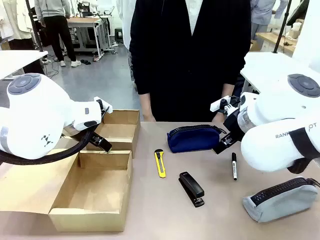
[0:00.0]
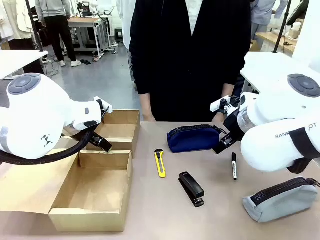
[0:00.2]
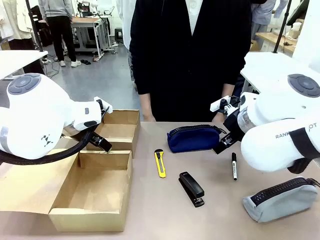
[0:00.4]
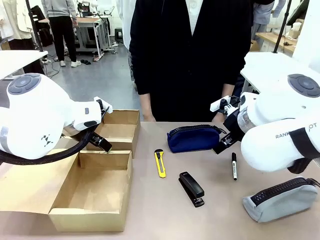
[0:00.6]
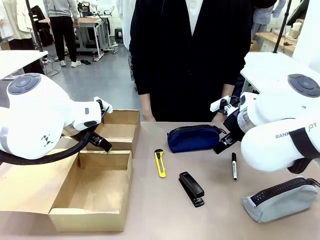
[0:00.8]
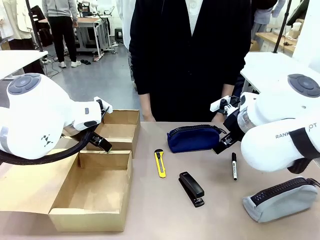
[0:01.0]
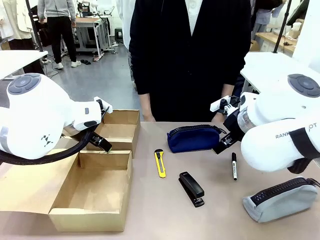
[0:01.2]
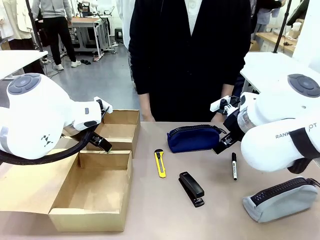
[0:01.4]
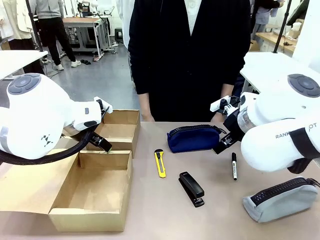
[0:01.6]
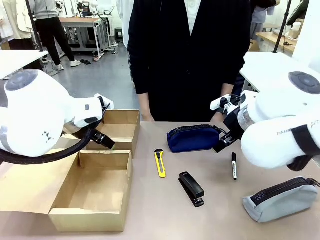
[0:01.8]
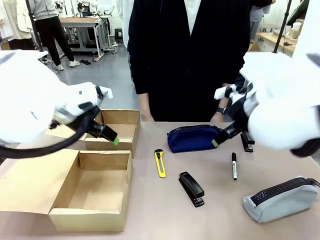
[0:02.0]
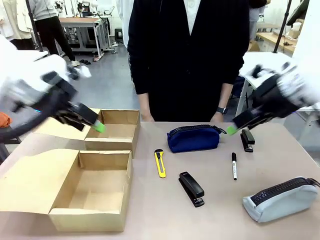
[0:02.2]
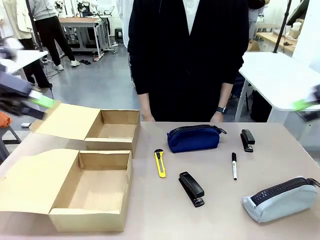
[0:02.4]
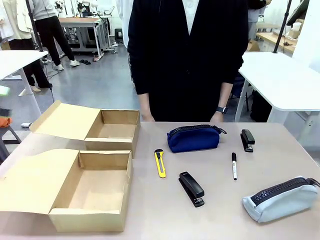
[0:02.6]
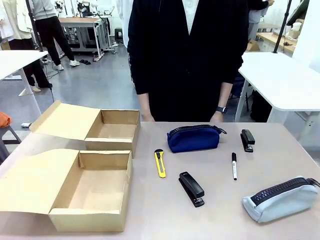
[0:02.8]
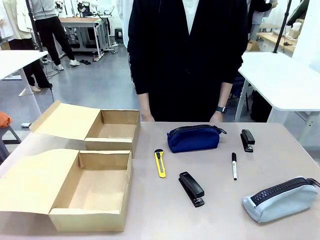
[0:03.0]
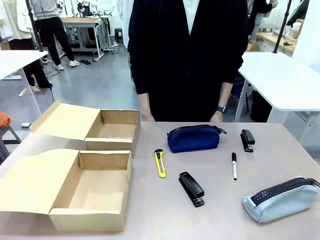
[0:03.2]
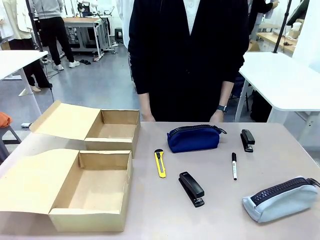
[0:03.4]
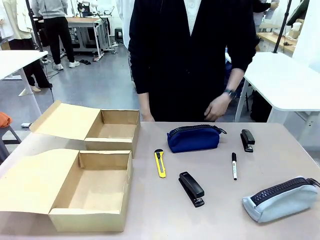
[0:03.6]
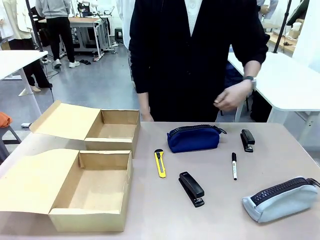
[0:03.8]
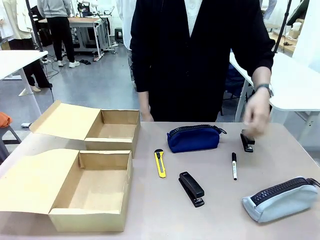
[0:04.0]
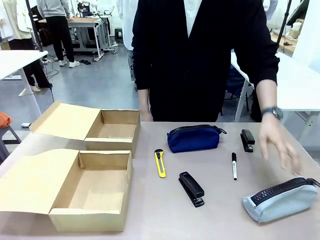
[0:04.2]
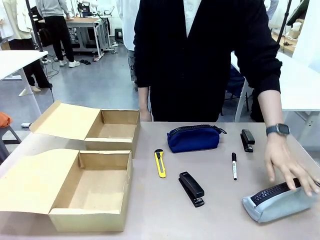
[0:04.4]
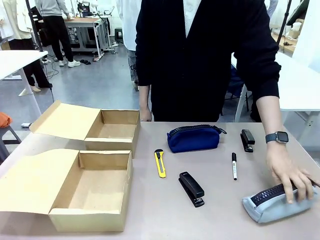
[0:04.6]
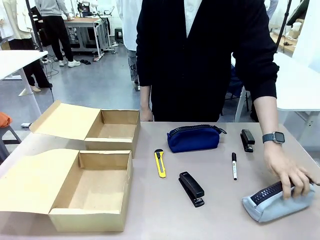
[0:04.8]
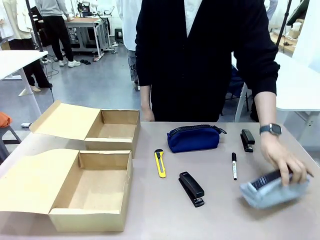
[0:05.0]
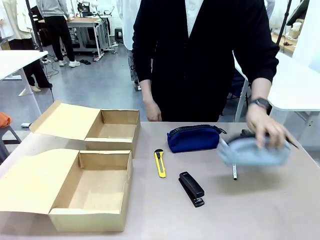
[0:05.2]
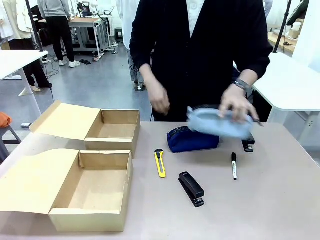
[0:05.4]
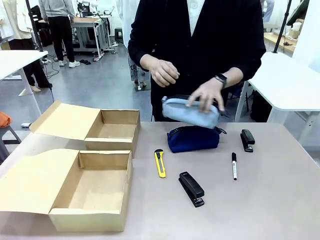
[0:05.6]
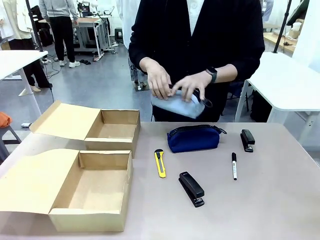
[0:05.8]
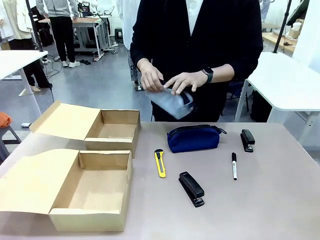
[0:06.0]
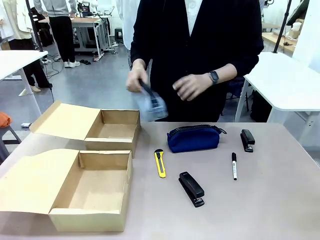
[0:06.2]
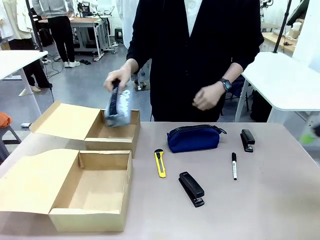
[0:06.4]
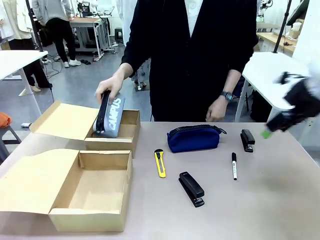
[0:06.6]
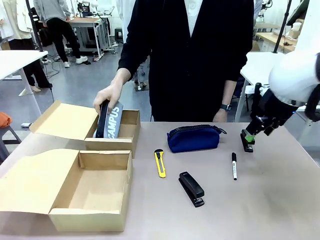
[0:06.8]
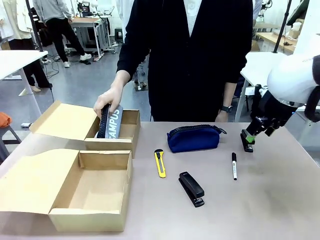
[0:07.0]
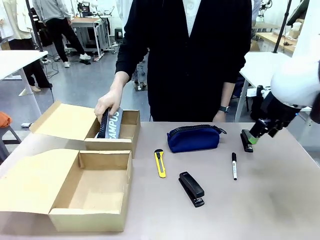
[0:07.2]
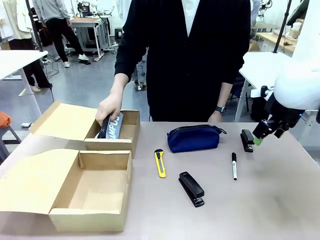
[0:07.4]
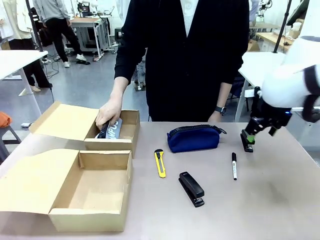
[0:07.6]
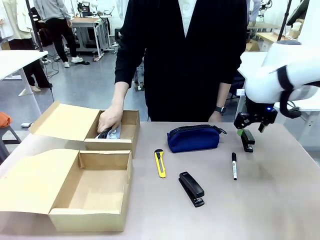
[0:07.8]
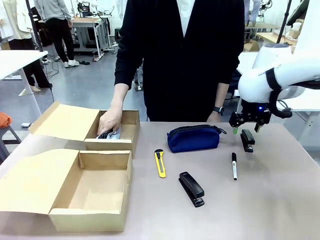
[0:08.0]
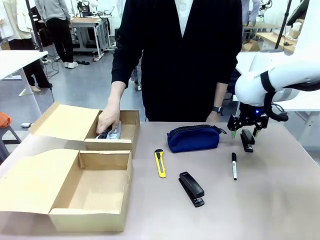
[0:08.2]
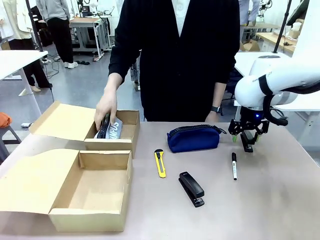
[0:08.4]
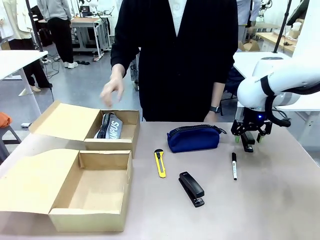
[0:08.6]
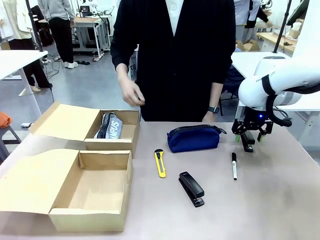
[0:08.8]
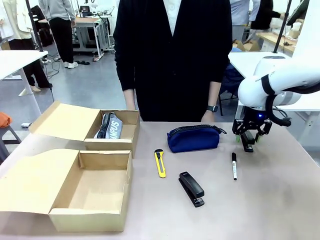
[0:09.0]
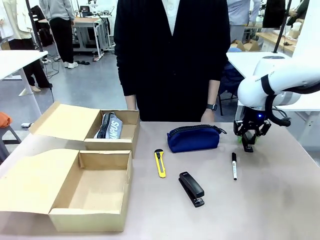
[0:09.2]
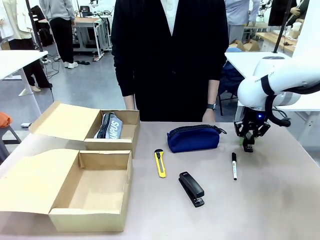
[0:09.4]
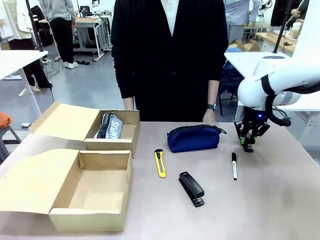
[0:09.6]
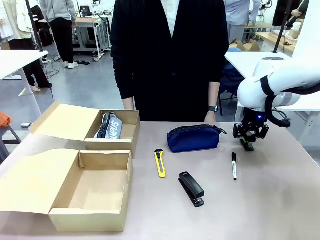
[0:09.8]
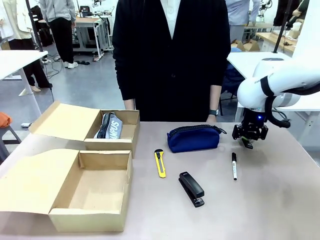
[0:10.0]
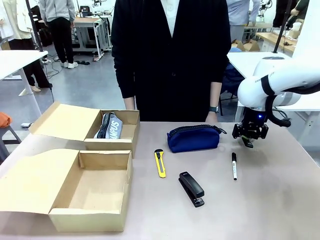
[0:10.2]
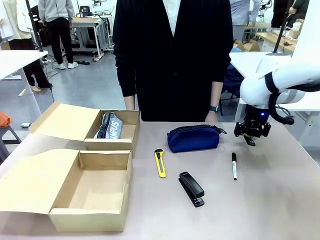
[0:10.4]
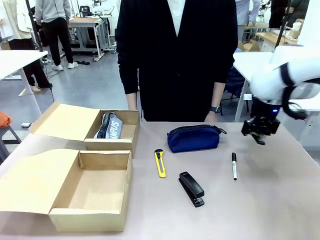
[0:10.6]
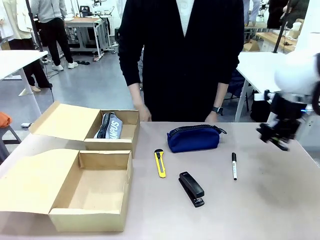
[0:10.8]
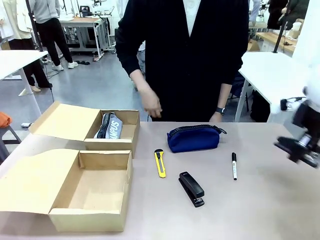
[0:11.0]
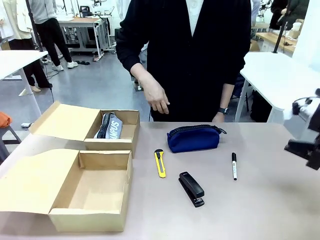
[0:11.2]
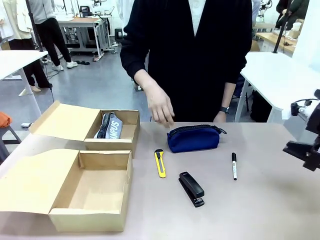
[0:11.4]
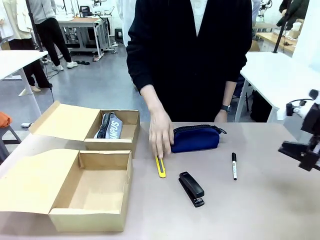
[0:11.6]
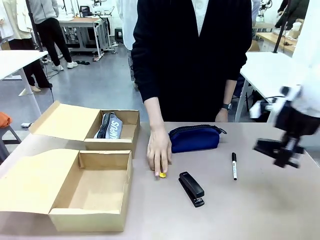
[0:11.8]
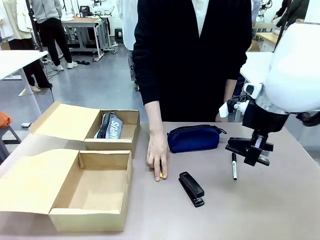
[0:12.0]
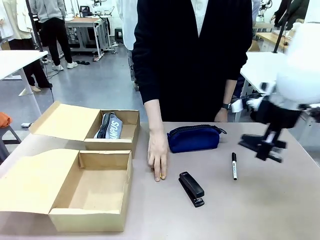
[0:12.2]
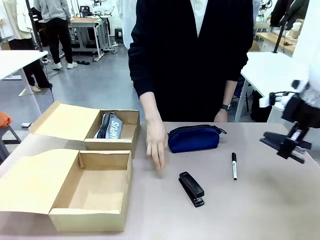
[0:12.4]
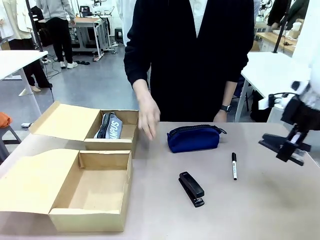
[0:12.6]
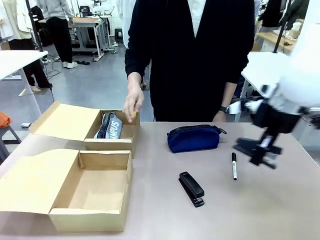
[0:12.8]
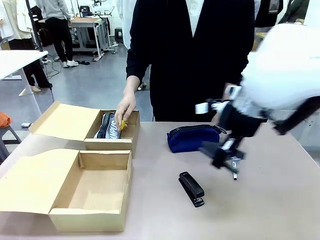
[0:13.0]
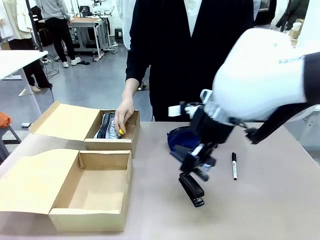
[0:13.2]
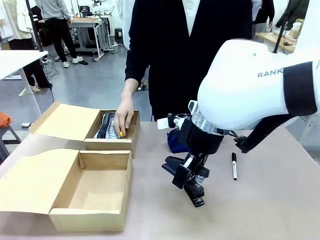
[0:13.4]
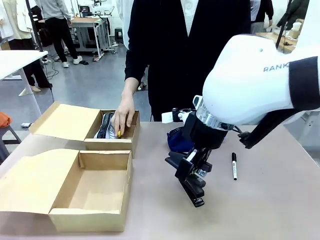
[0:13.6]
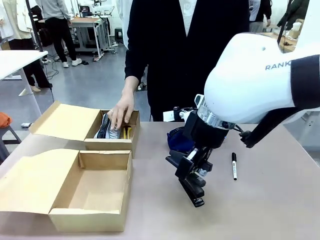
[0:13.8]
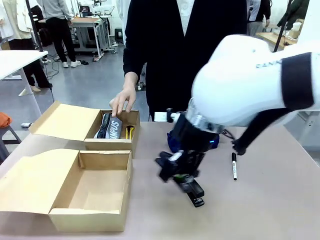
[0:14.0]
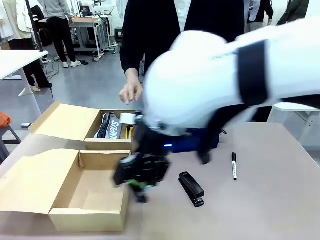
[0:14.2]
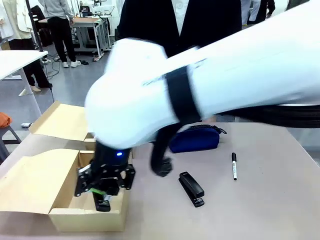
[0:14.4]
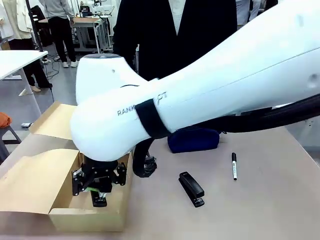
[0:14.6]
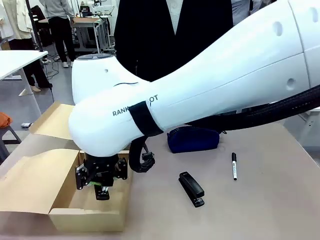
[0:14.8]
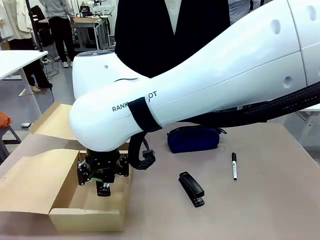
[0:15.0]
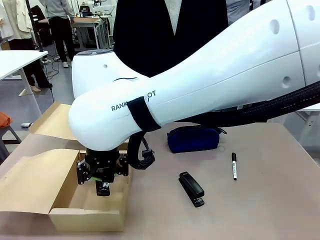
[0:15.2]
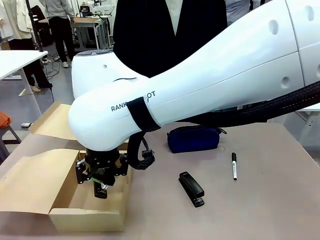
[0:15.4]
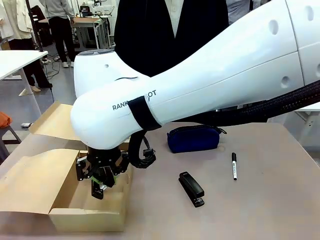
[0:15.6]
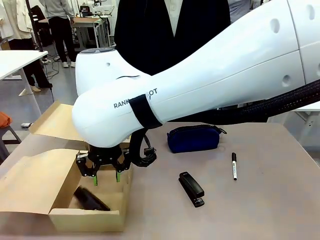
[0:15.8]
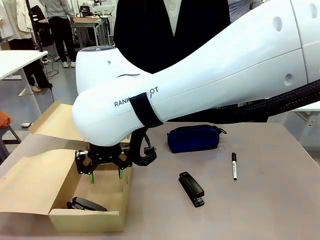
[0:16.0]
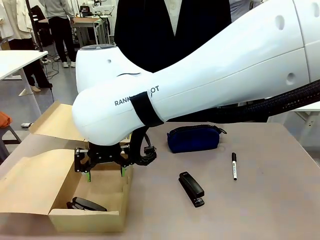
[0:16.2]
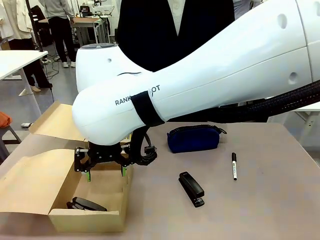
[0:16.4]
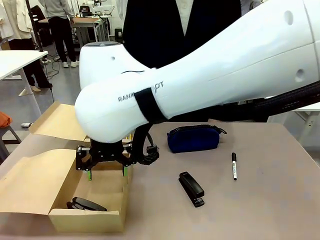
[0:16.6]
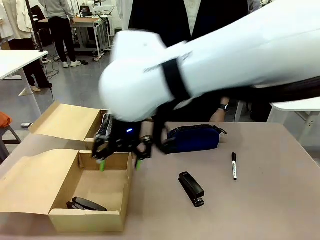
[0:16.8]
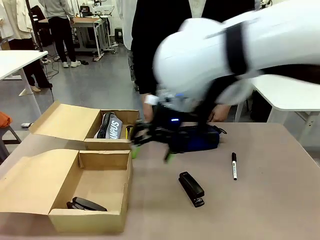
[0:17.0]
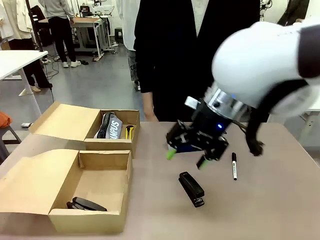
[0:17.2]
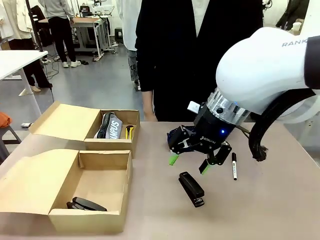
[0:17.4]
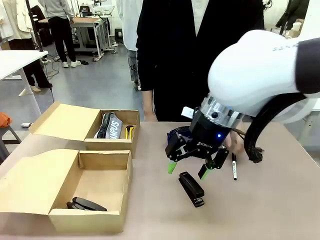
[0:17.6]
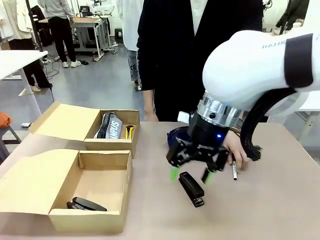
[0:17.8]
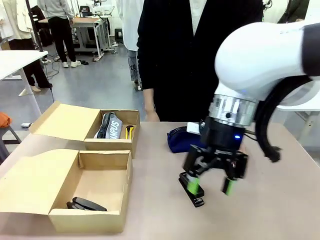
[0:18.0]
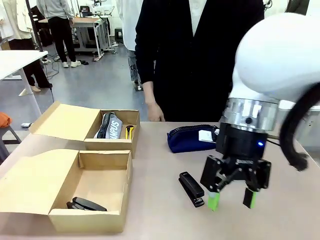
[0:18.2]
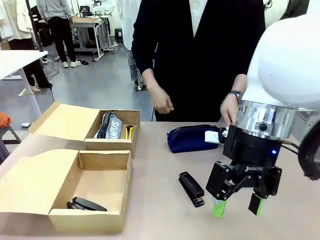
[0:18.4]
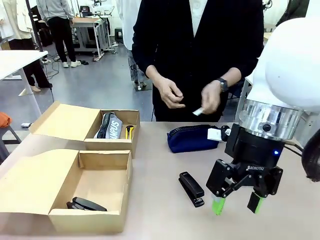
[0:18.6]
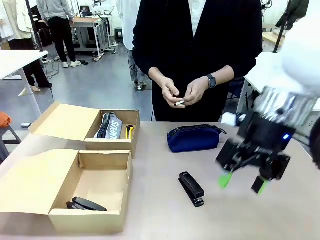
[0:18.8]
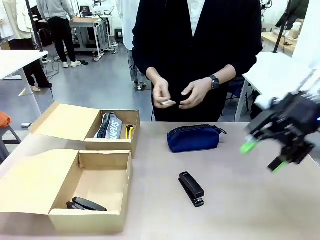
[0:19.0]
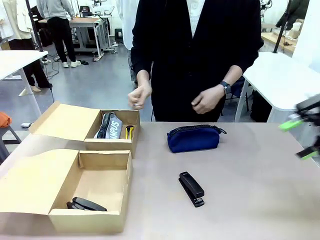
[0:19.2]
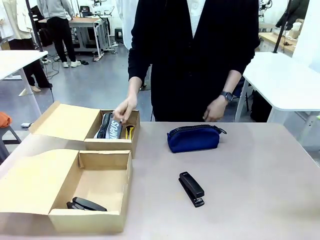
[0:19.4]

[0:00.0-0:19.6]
Task: Place items inside the box.
Robot: Pick up a Pencil pouch or Stapler and place it inside the Mailer Box closest to the robot.
Person: Pick up an object on the table and put it in the box.
